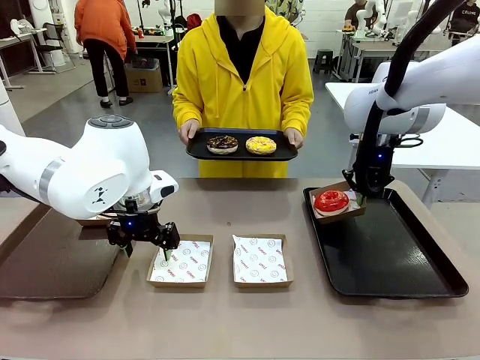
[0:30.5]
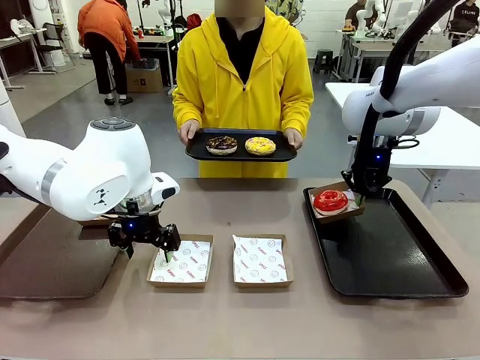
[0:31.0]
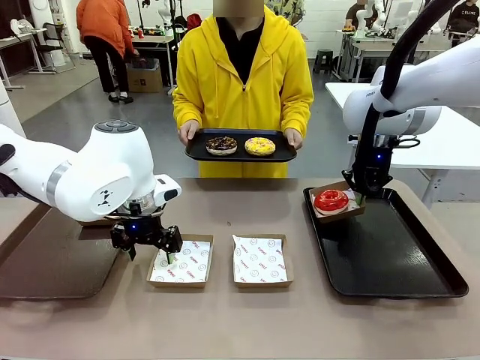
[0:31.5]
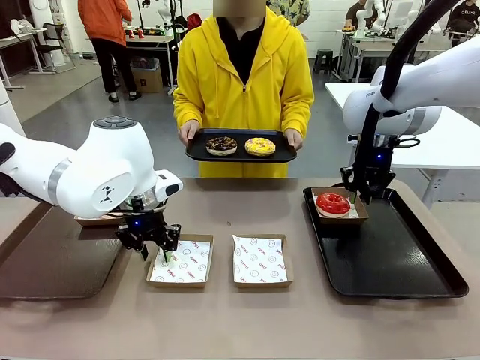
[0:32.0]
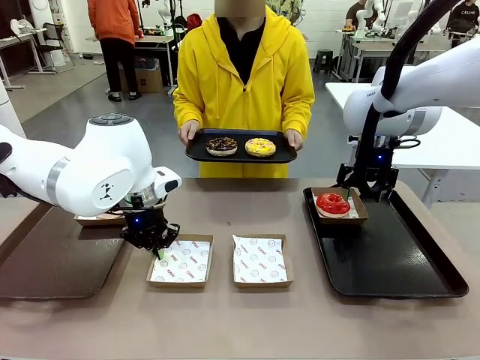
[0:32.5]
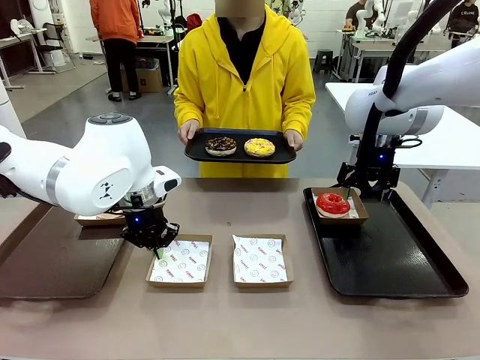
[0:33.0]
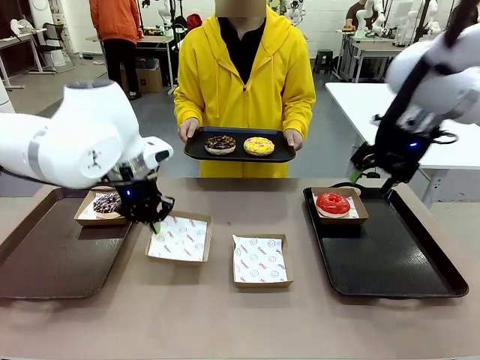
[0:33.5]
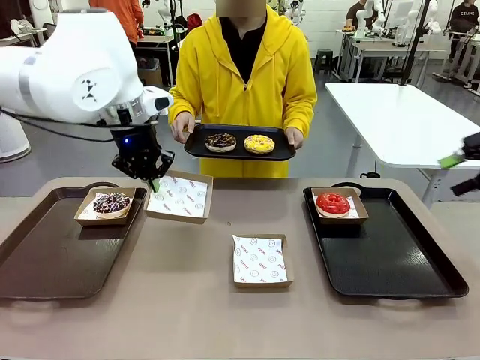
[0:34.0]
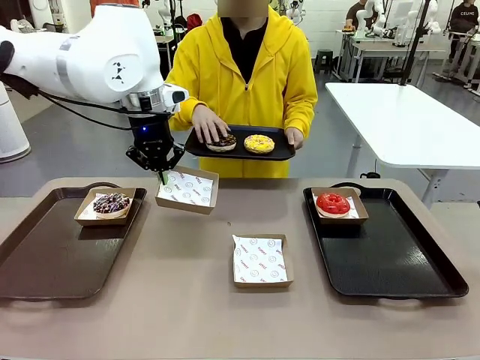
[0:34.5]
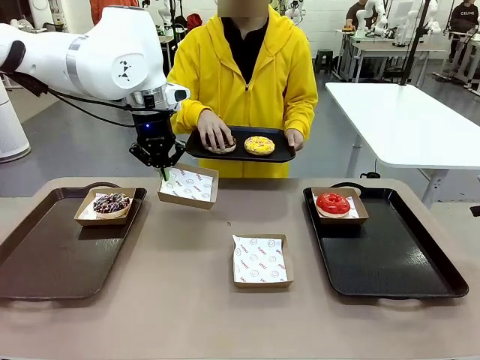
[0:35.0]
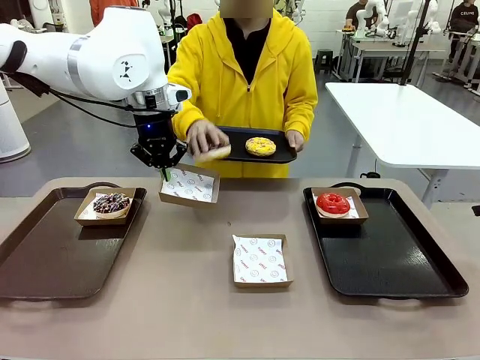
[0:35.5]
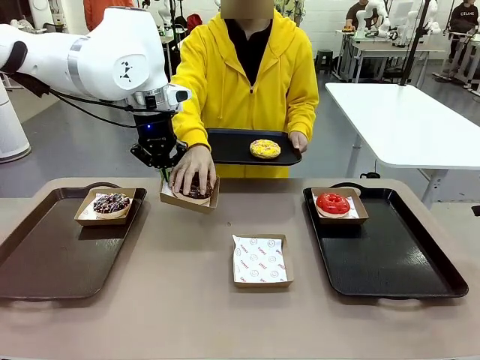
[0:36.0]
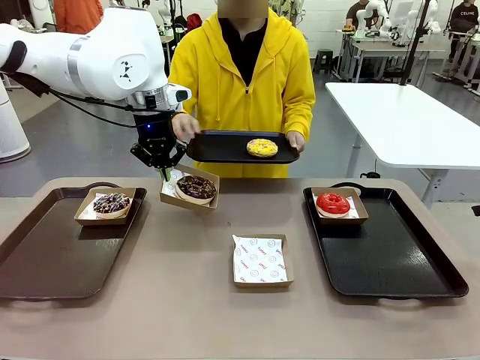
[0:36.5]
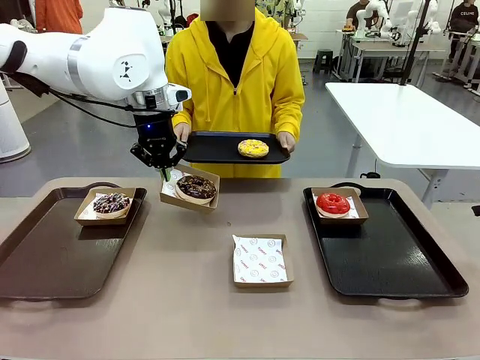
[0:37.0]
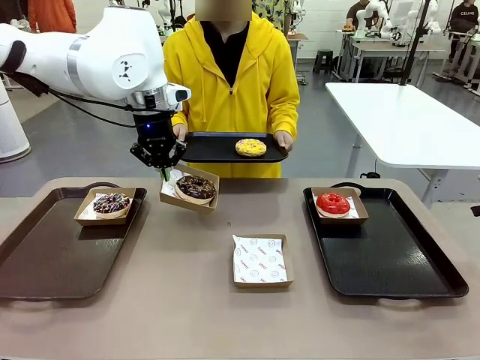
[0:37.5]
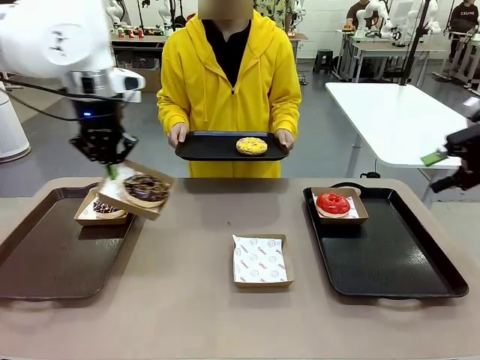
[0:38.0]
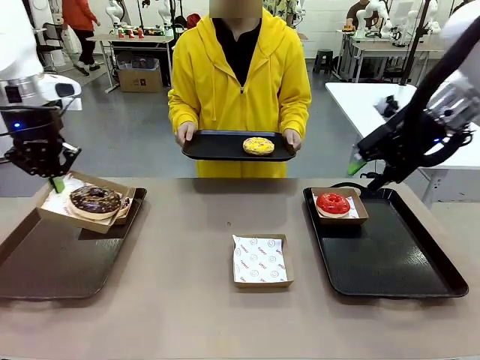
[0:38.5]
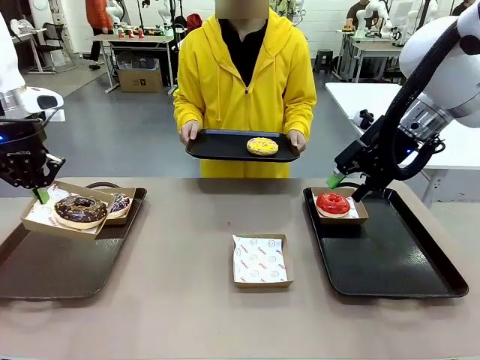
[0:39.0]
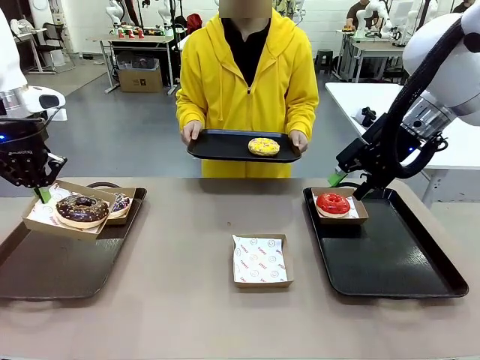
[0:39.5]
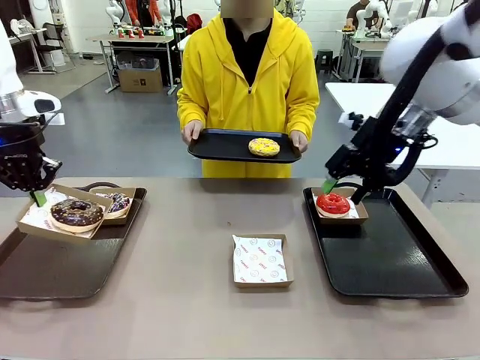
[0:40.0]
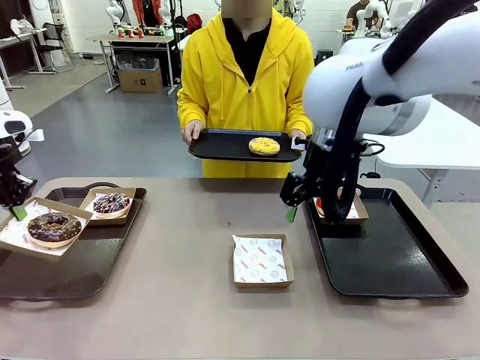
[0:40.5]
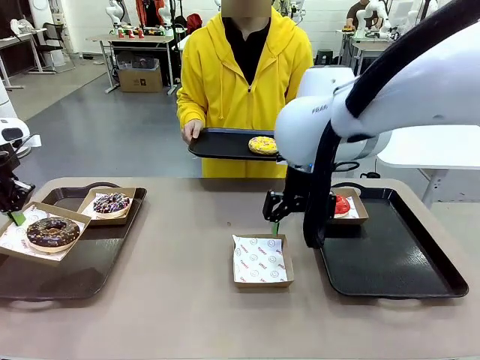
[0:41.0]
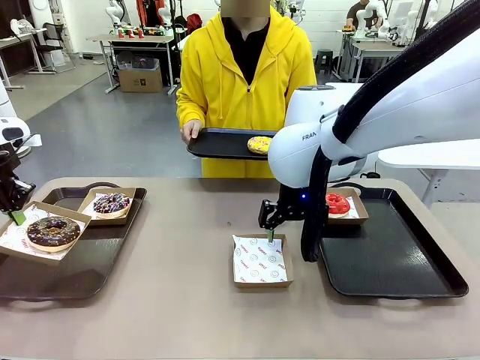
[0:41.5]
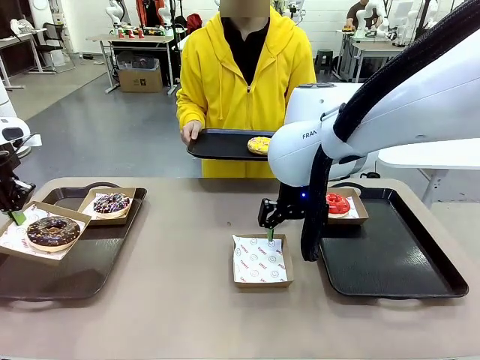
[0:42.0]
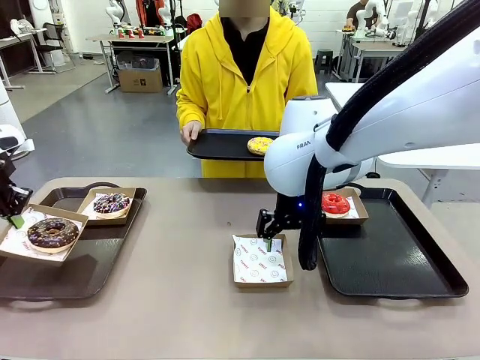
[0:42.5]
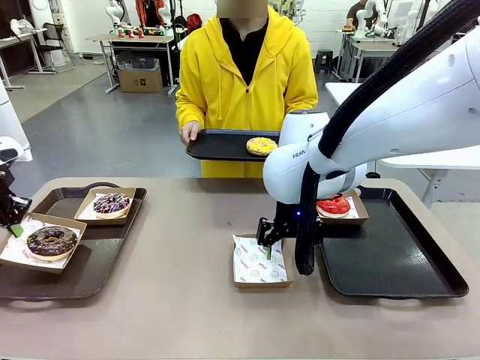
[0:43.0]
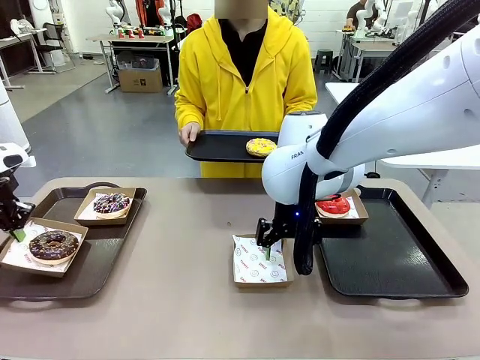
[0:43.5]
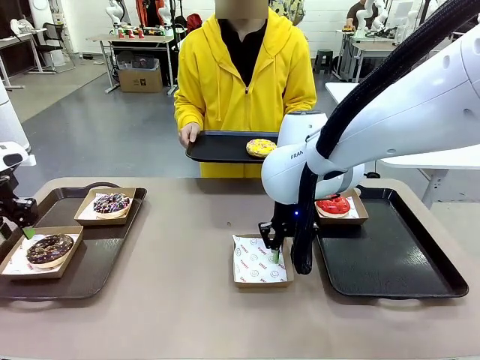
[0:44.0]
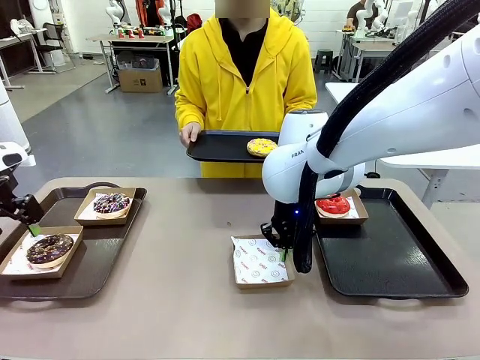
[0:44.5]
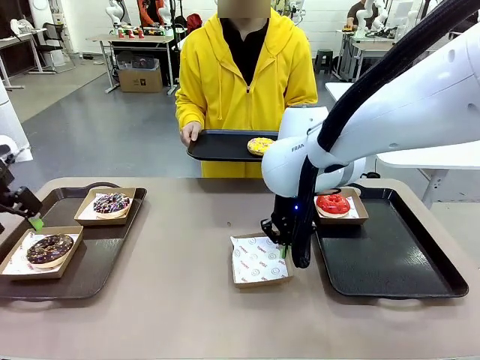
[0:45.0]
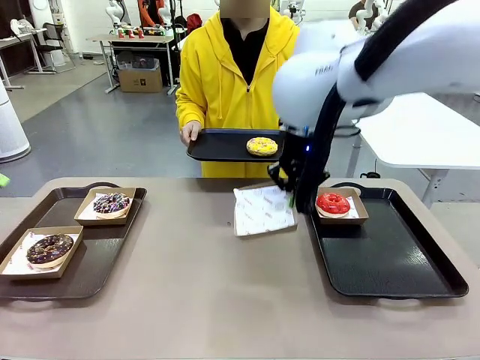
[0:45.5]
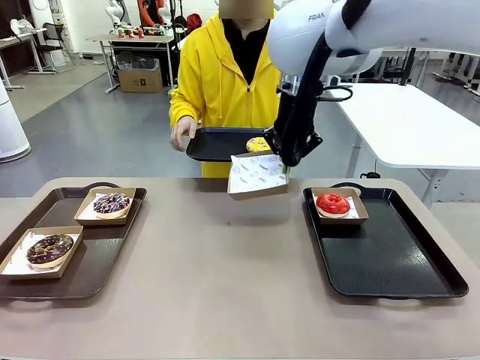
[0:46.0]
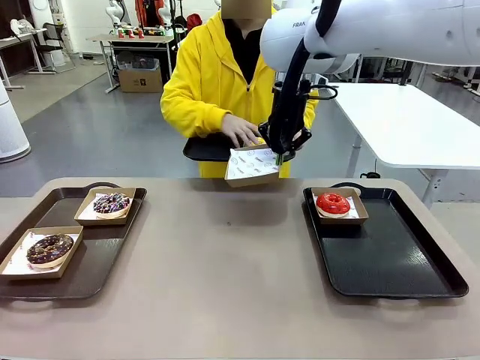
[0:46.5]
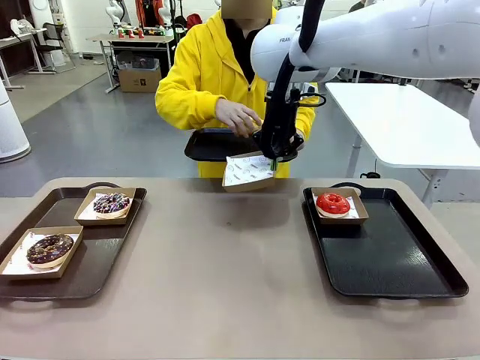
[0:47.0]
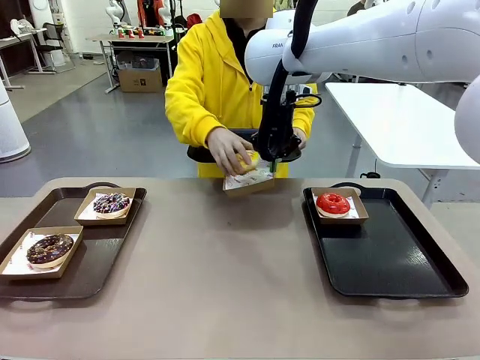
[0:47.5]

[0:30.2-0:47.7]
Task: Individually package the donuts and arrange them on the tray.
Robot: Place the picked Paper togo box on the Handle tray while simultaneously picking up another Paper togo box from the table with the other hand.

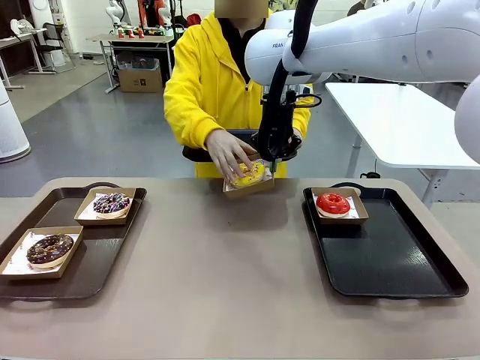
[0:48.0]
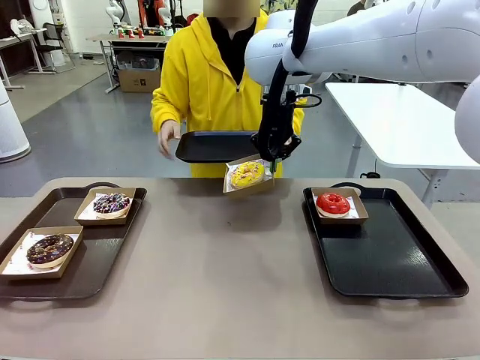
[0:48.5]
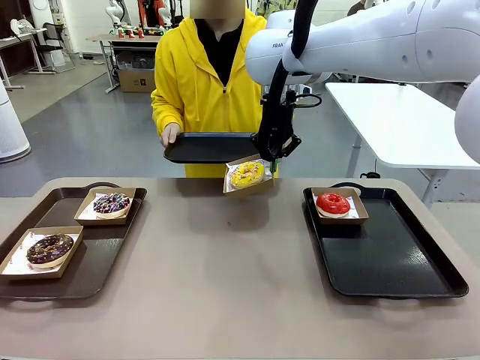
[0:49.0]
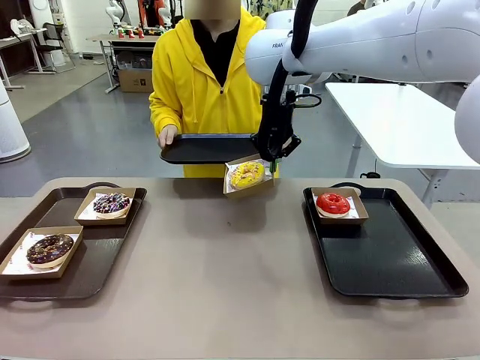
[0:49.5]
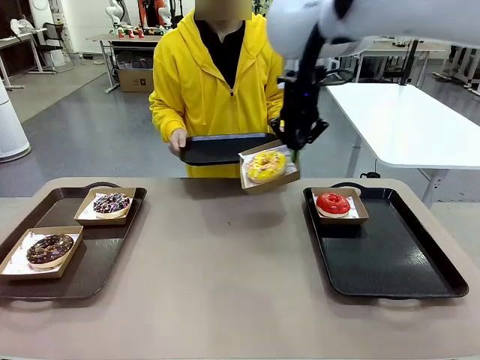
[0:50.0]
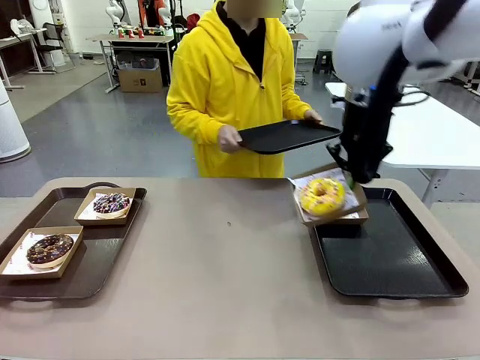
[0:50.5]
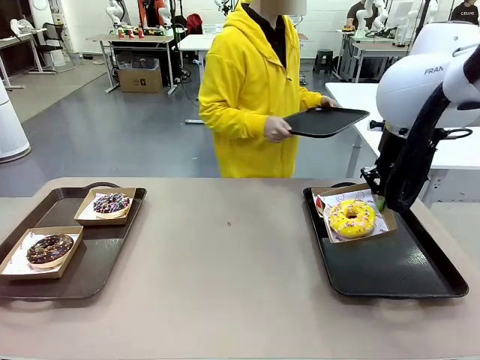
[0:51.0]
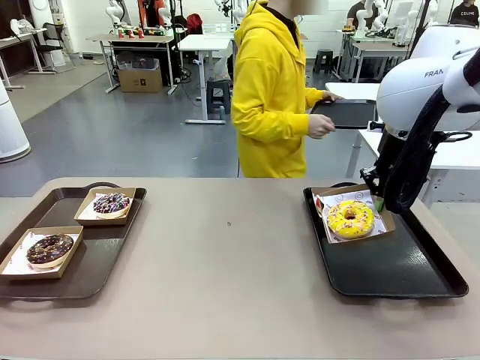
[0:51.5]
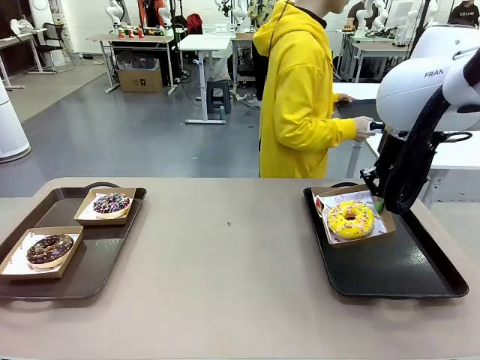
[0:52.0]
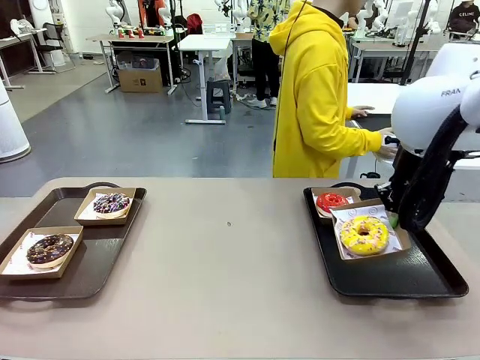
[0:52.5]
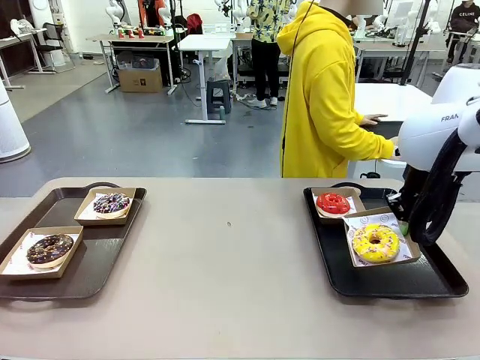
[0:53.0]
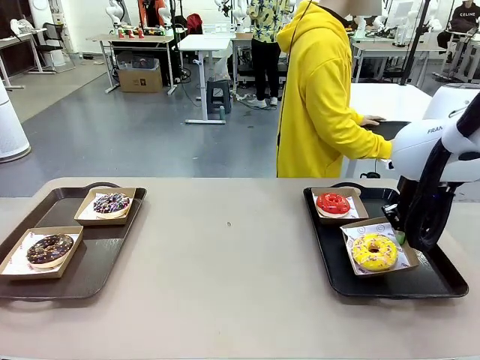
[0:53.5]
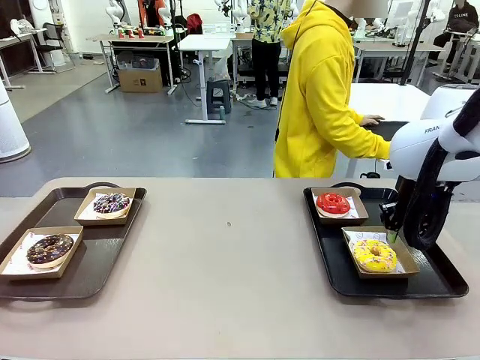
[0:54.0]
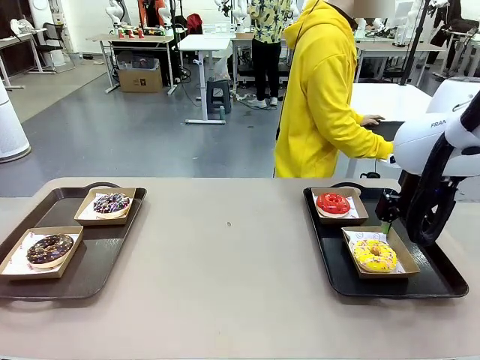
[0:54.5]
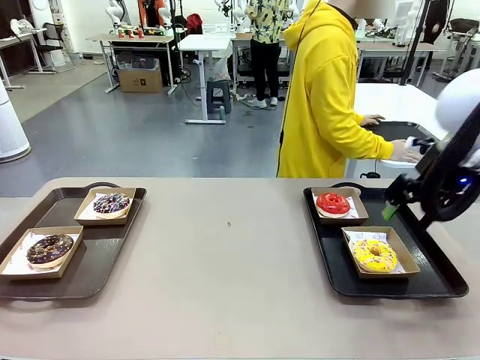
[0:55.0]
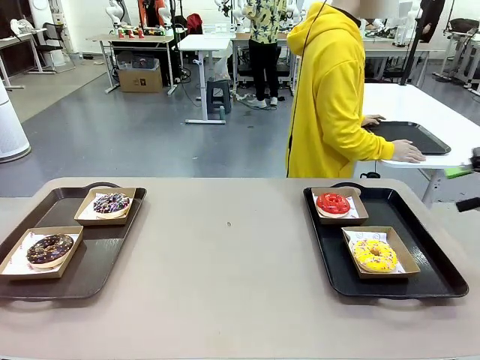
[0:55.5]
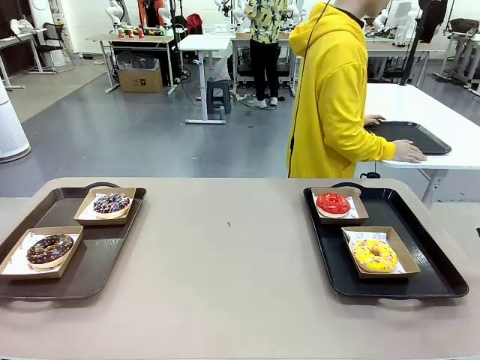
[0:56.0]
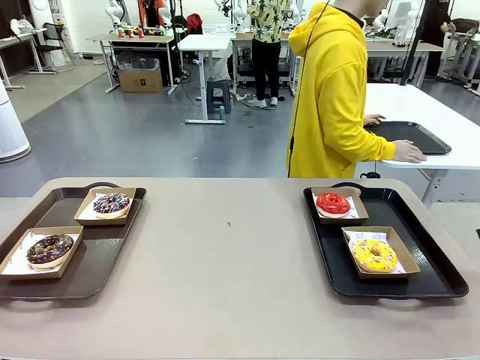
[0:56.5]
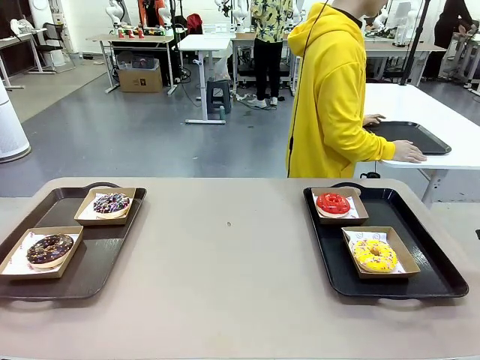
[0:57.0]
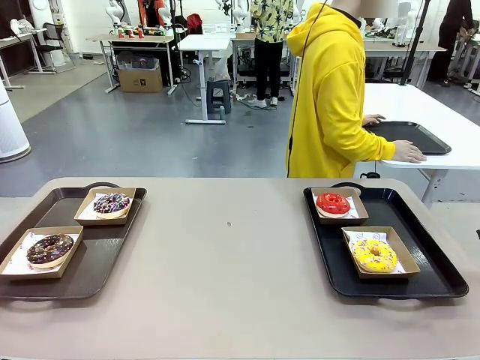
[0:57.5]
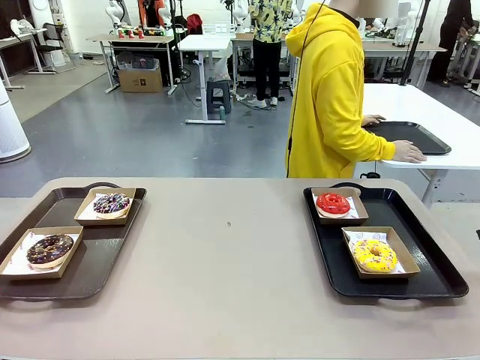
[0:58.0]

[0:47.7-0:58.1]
Robot: Place the picked Paper togo box on the Handle tray.
Person: Place the tray down in the middle of the human table.
